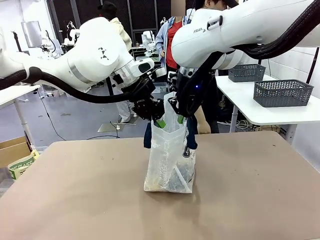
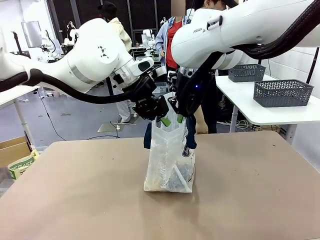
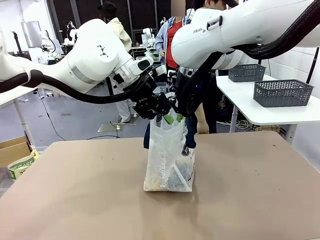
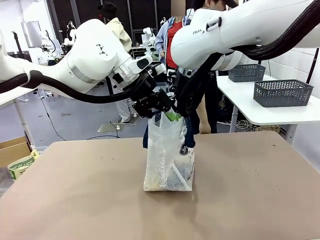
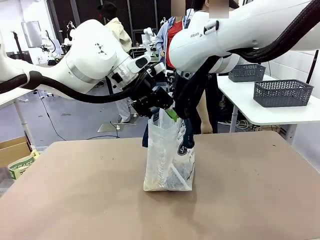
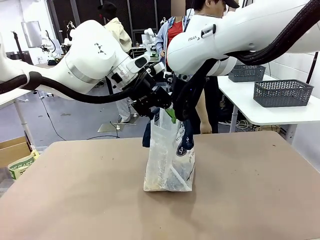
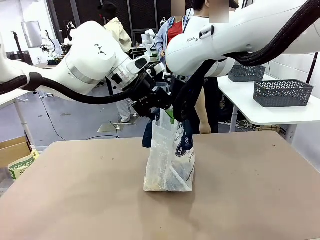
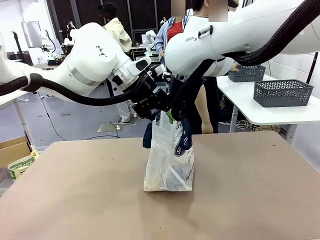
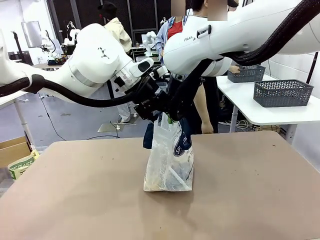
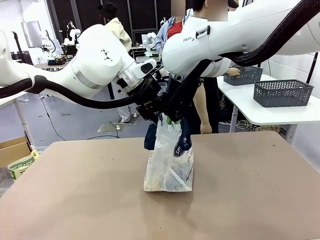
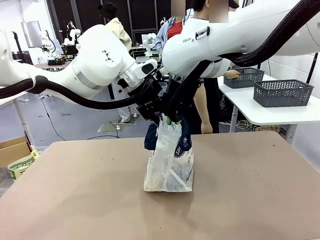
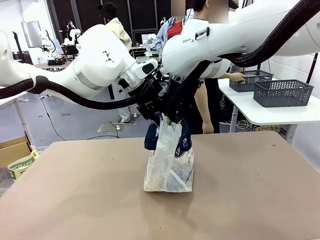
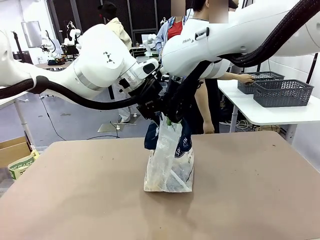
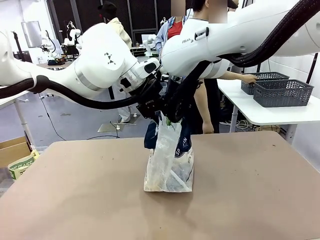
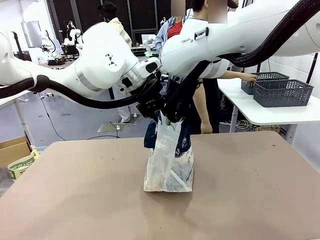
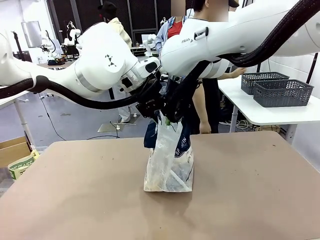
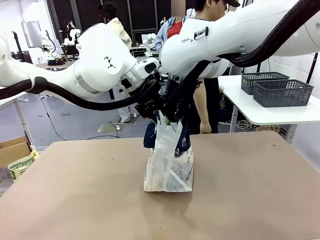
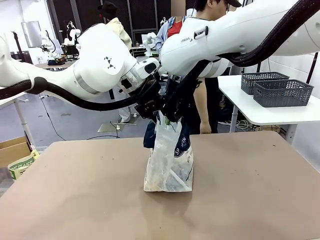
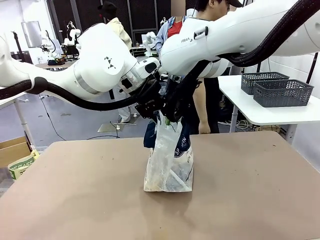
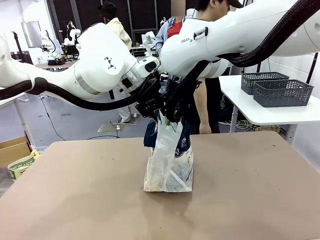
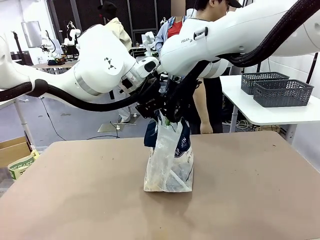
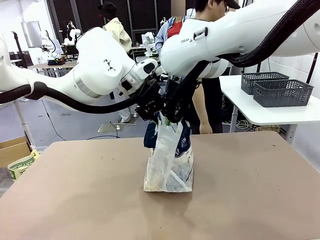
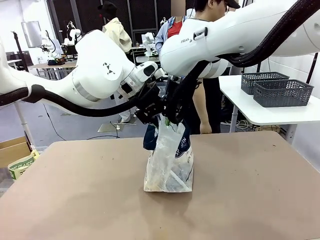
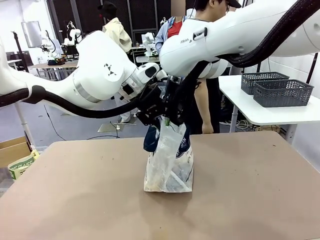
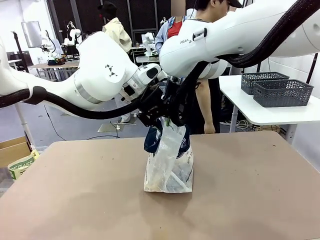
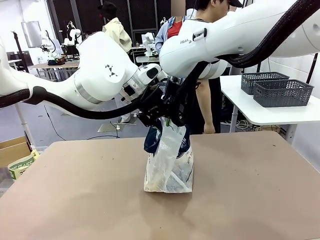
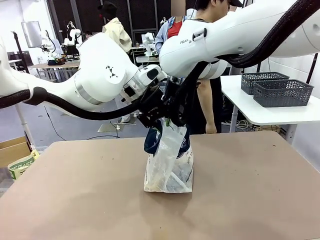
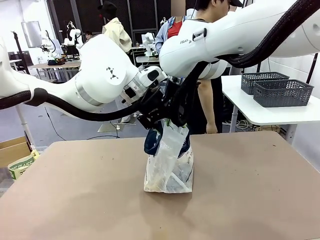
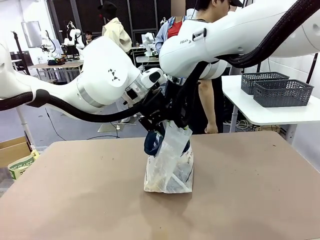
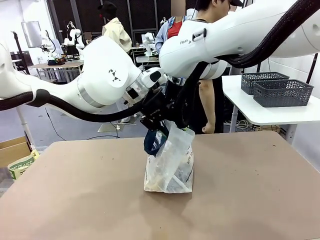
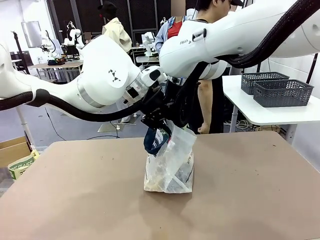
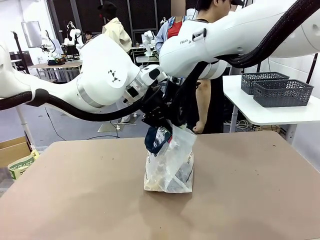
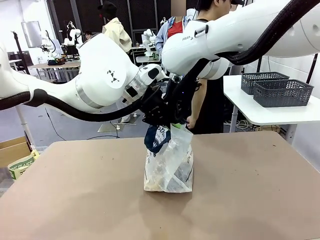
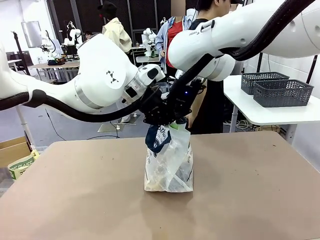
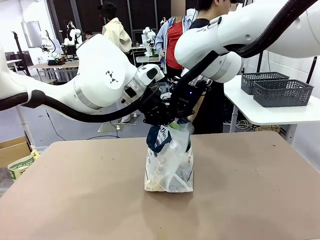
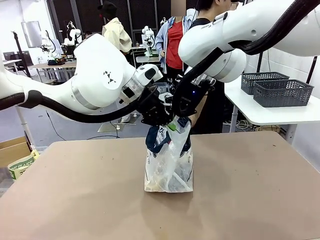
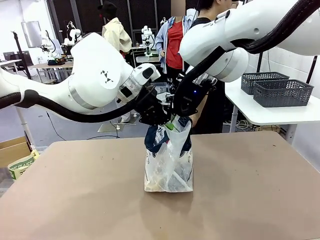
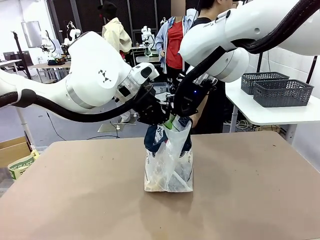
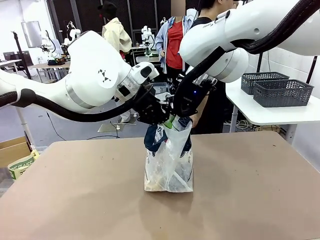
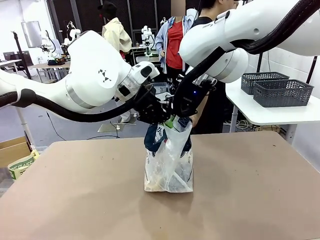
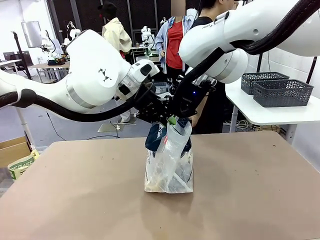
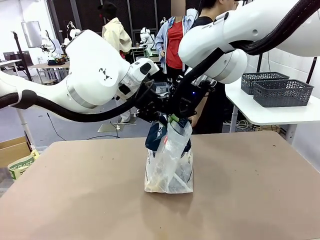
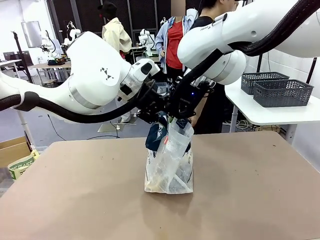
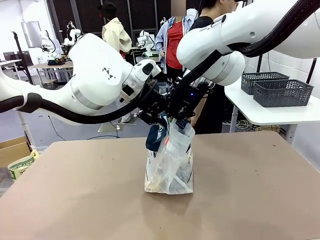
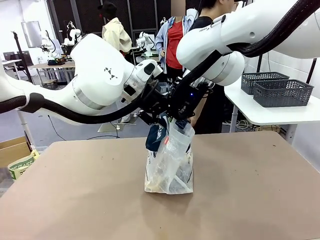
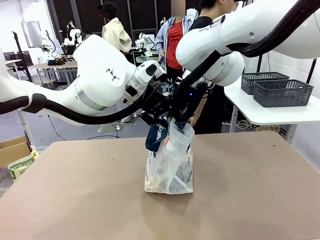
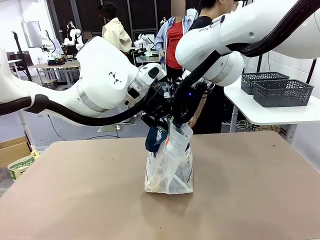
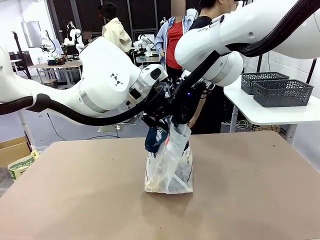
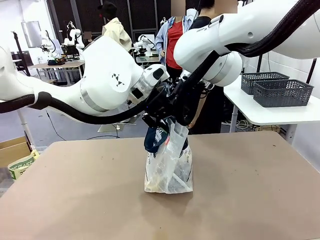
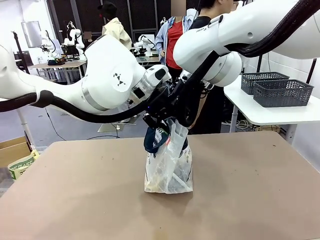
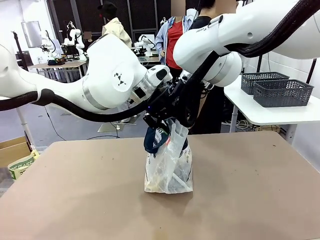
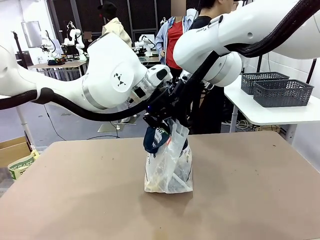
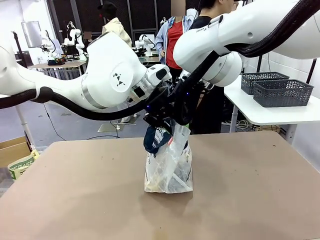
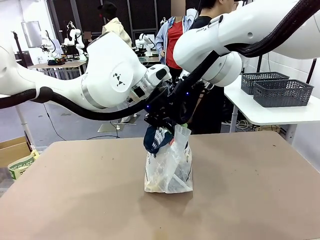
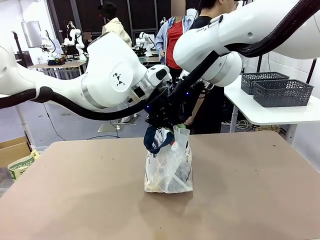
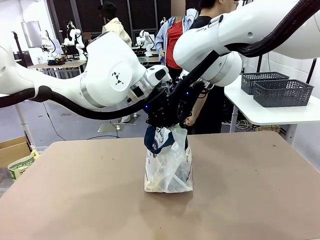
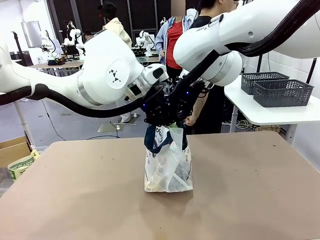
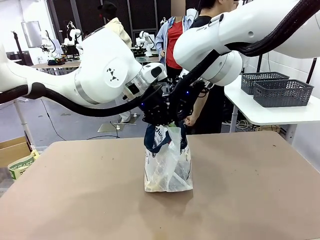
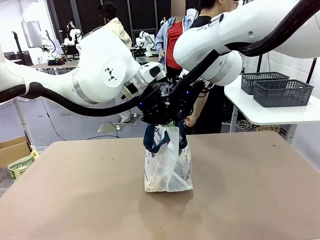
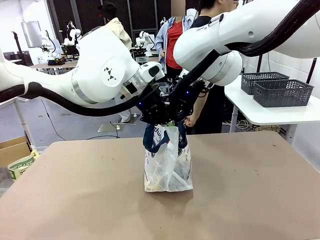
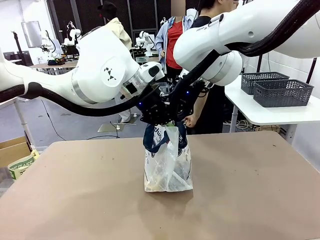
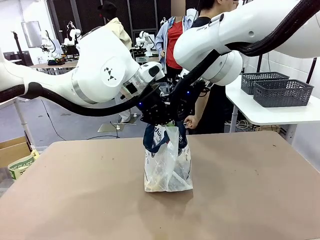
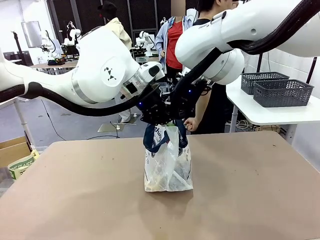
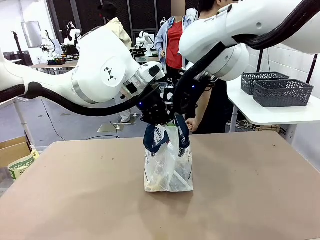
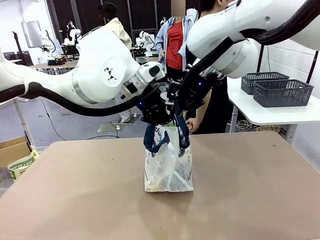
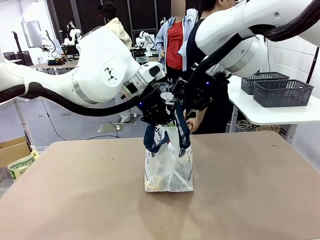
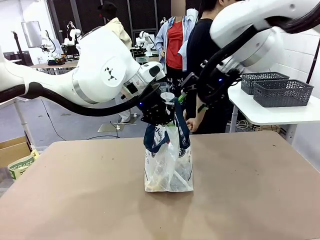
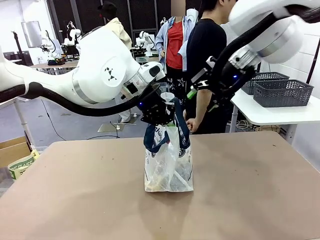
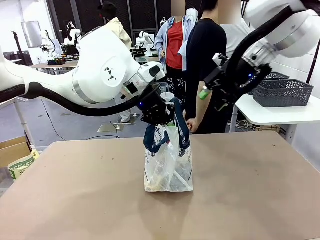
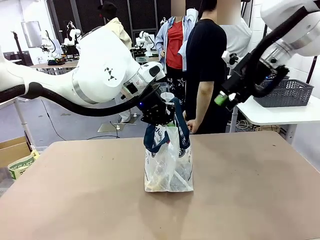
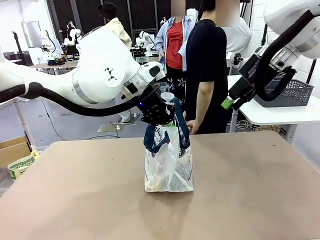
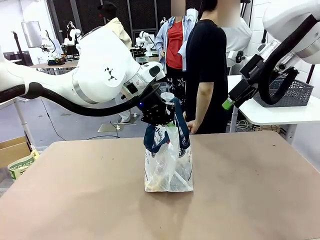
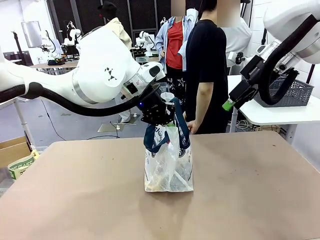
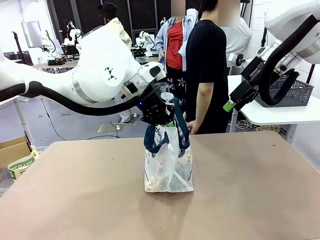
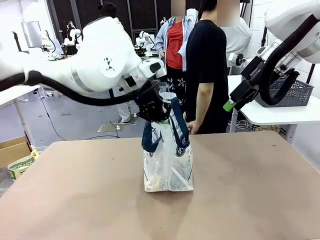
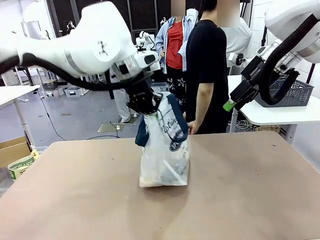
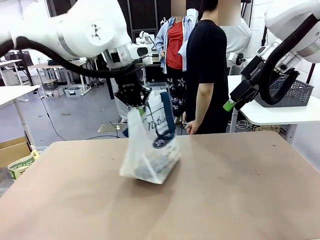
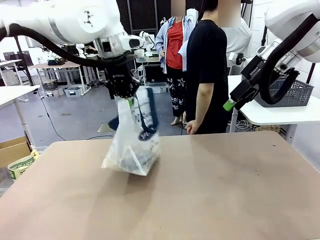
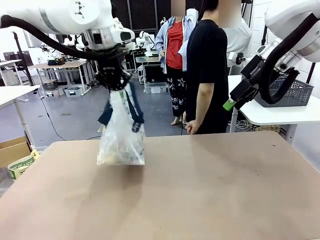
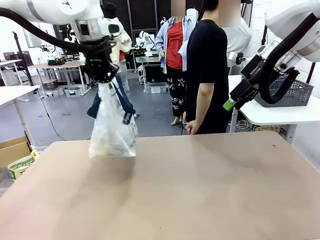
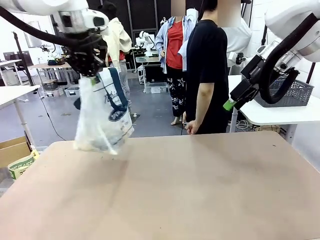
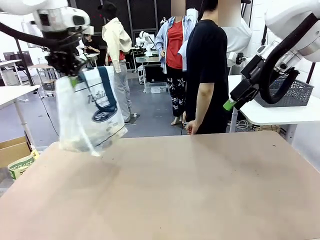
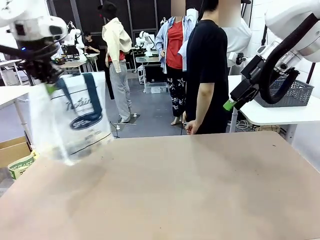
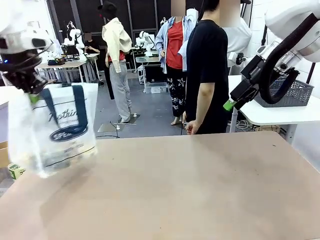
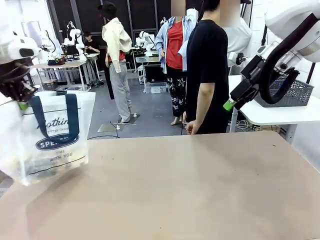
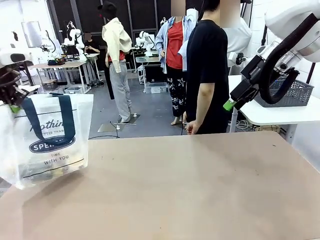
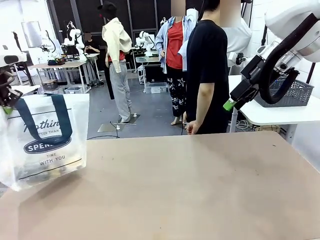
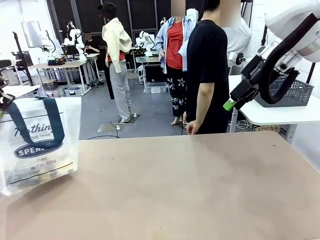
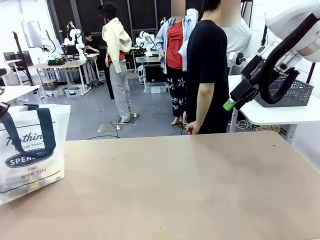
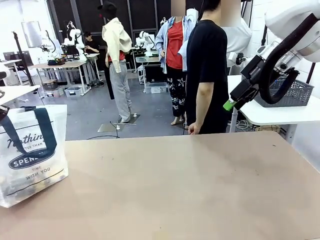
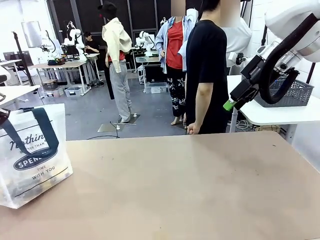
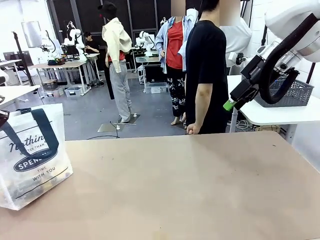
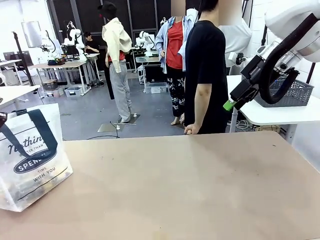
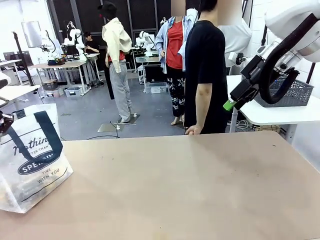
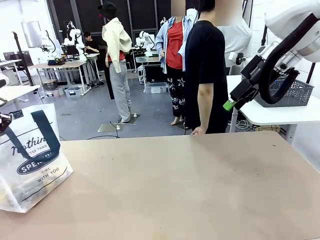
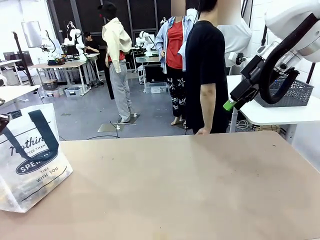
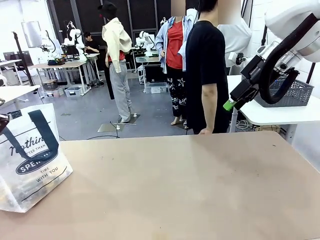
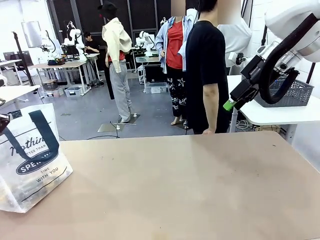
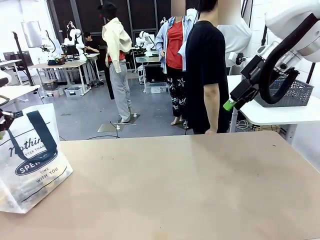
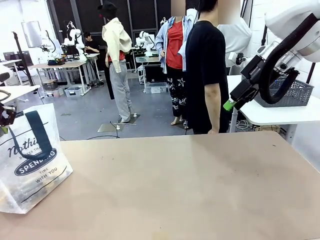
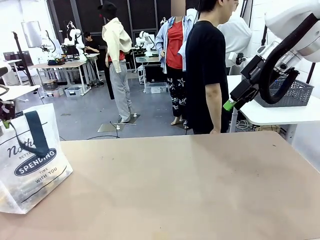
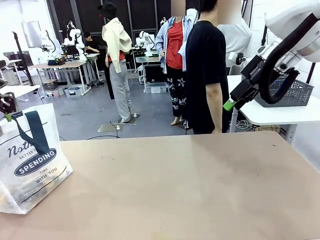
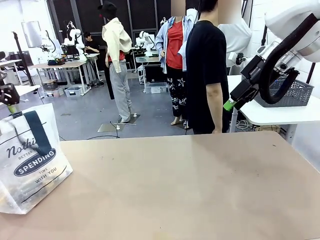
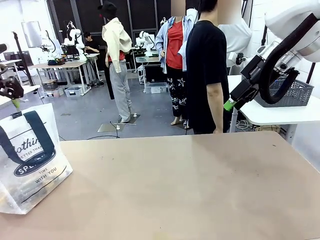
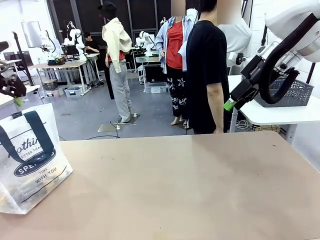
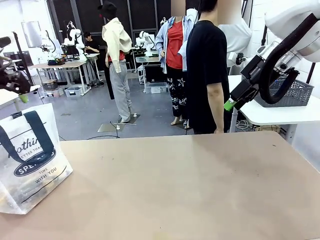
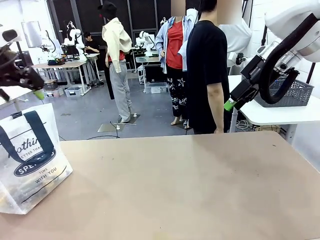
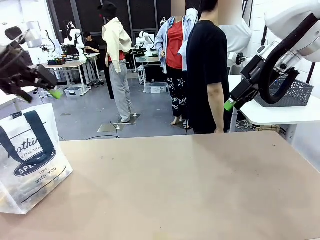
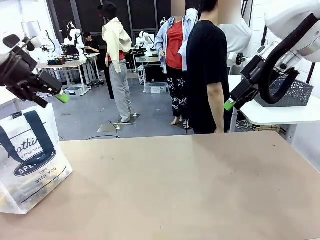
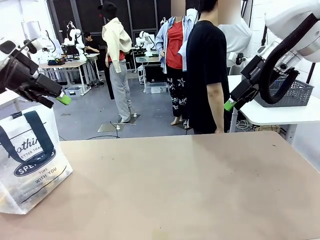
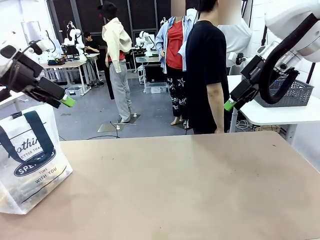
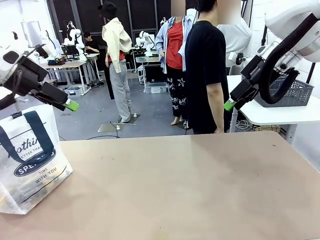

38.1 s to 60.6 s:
Task: Transfer purchased items from the store into the shopping bag.
Robot: Move the Reusable shopping bag to the right side of the table.
Person: Move the basket on the left to the middle of the person's table.
